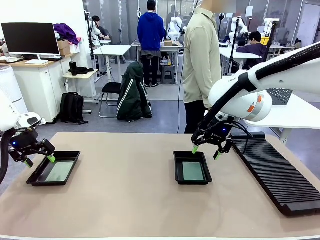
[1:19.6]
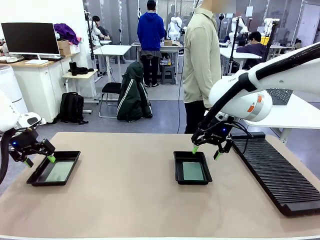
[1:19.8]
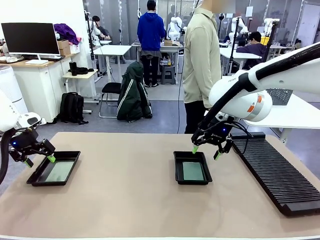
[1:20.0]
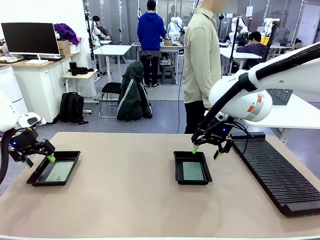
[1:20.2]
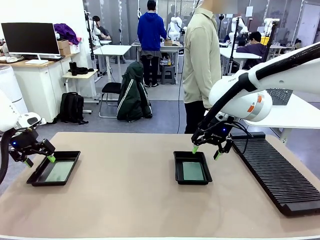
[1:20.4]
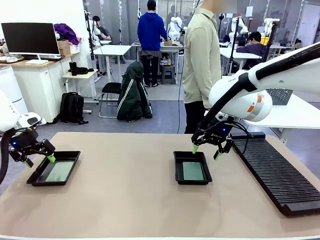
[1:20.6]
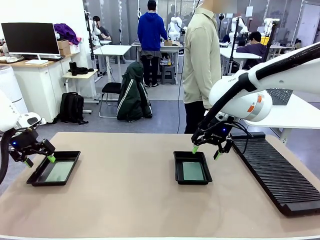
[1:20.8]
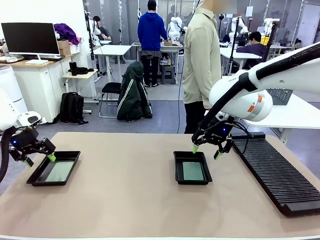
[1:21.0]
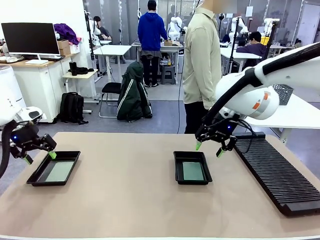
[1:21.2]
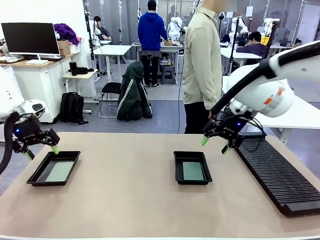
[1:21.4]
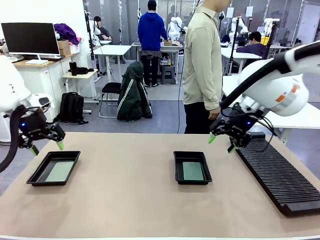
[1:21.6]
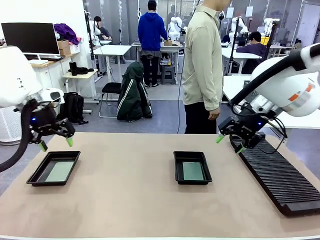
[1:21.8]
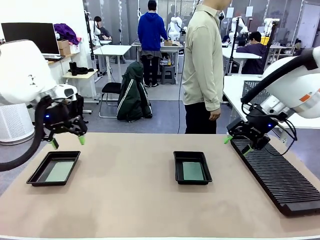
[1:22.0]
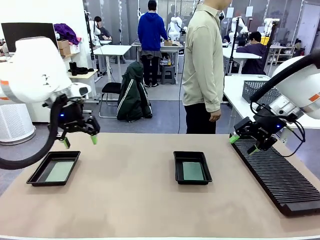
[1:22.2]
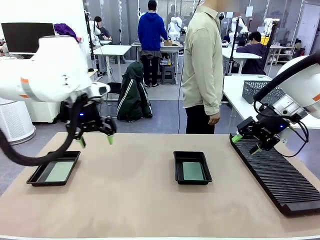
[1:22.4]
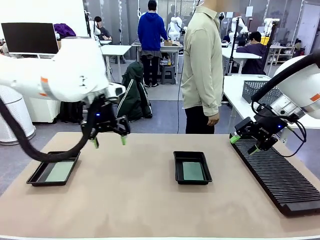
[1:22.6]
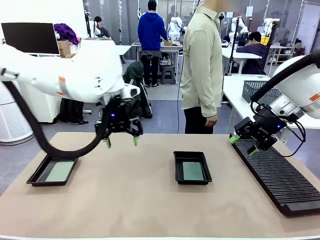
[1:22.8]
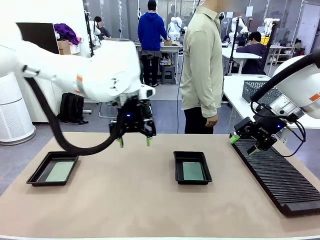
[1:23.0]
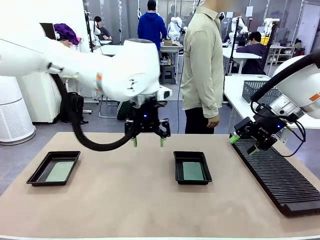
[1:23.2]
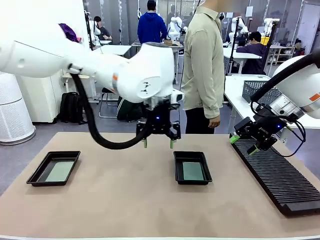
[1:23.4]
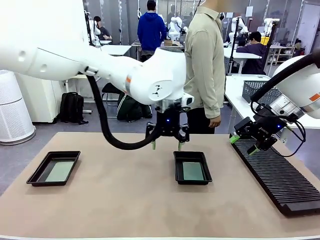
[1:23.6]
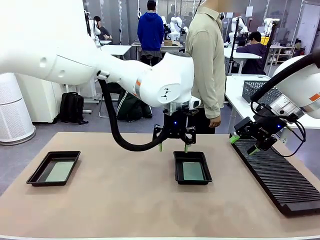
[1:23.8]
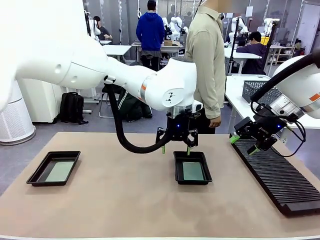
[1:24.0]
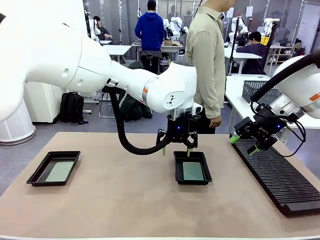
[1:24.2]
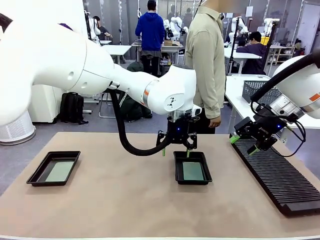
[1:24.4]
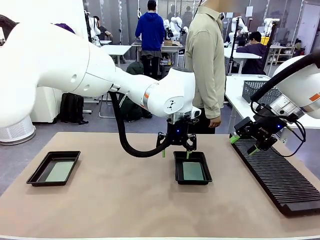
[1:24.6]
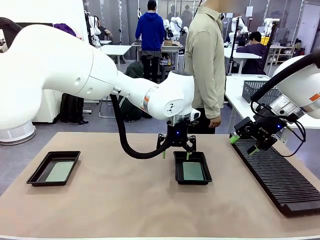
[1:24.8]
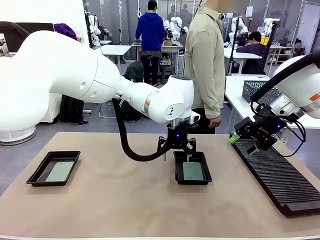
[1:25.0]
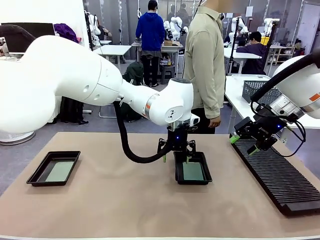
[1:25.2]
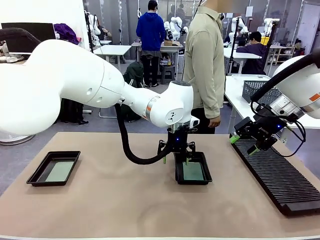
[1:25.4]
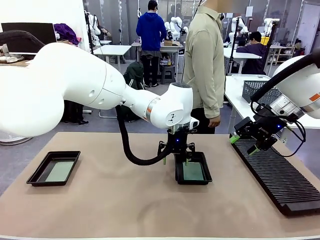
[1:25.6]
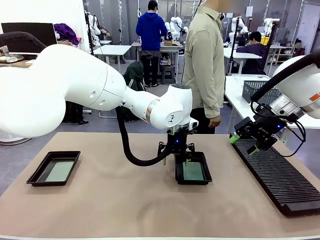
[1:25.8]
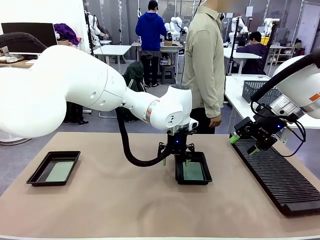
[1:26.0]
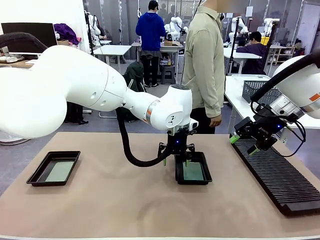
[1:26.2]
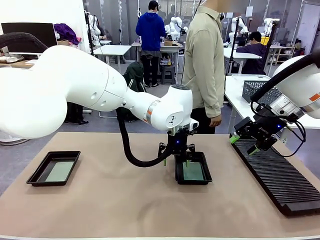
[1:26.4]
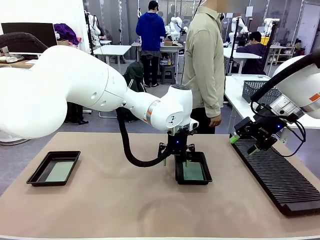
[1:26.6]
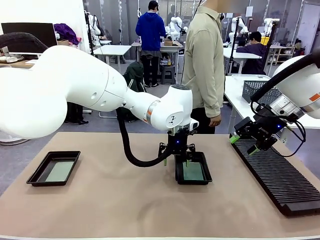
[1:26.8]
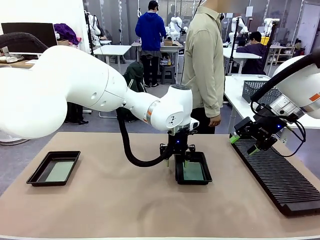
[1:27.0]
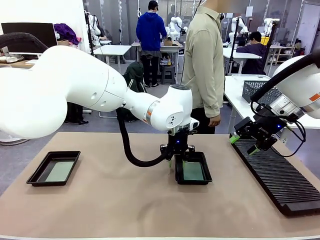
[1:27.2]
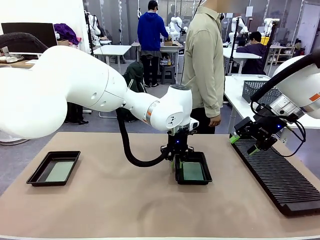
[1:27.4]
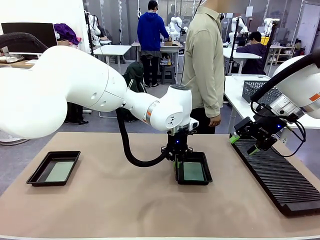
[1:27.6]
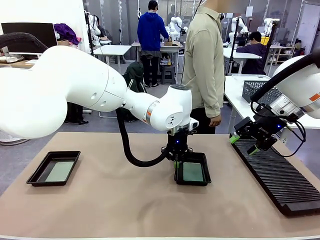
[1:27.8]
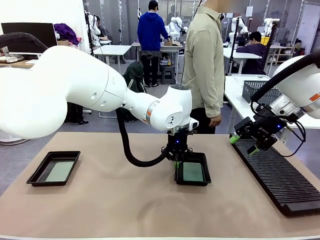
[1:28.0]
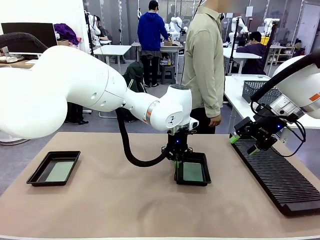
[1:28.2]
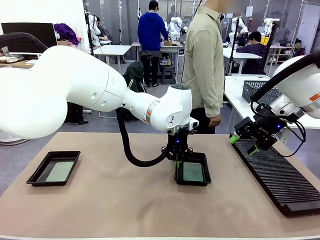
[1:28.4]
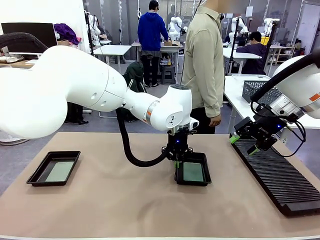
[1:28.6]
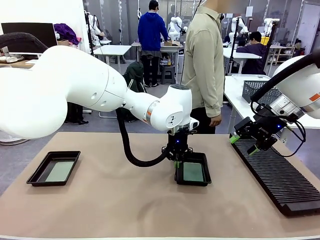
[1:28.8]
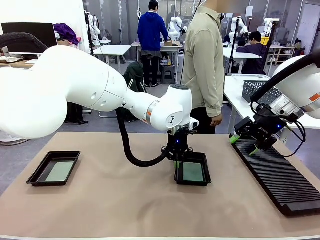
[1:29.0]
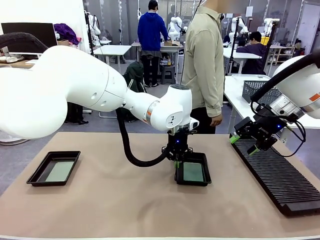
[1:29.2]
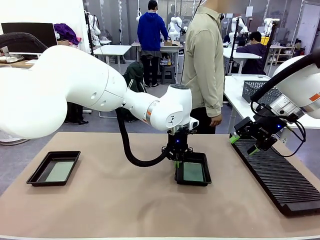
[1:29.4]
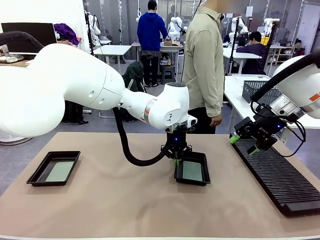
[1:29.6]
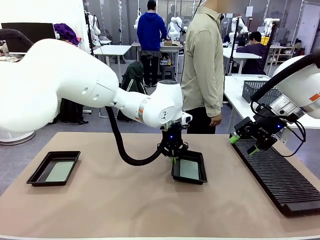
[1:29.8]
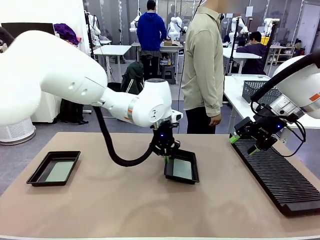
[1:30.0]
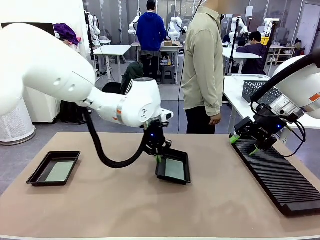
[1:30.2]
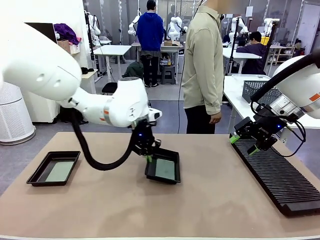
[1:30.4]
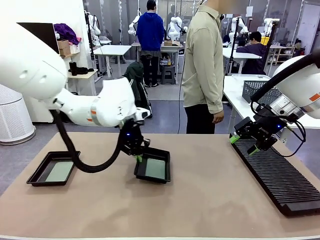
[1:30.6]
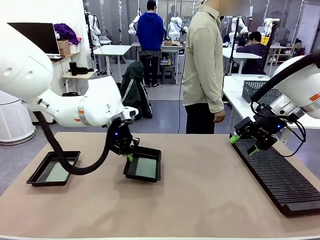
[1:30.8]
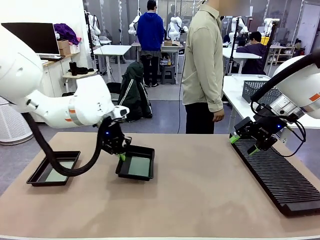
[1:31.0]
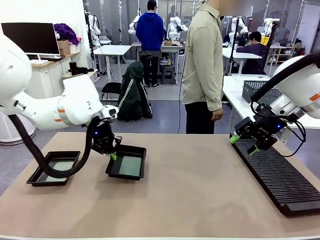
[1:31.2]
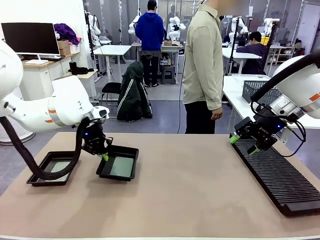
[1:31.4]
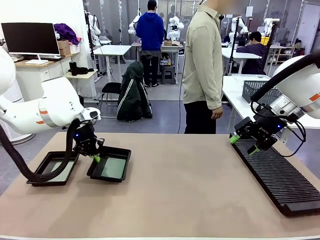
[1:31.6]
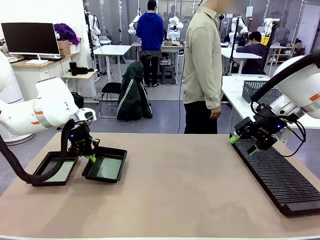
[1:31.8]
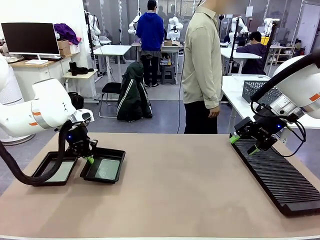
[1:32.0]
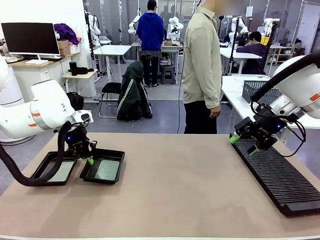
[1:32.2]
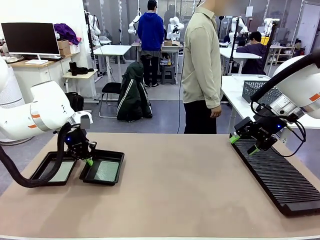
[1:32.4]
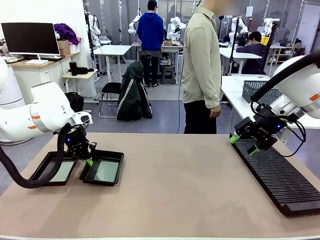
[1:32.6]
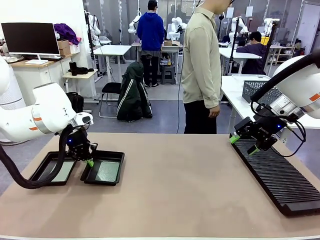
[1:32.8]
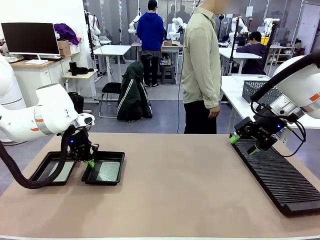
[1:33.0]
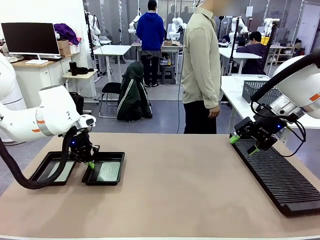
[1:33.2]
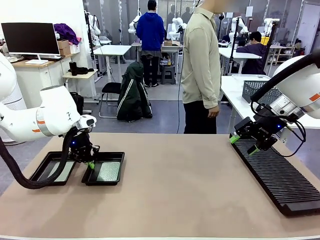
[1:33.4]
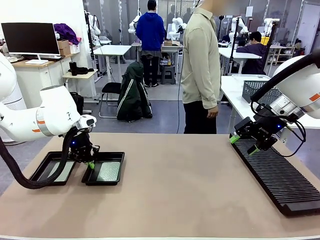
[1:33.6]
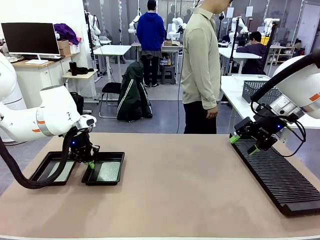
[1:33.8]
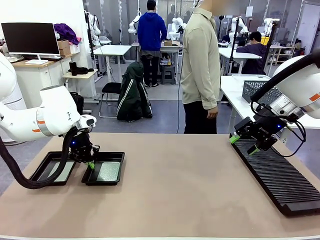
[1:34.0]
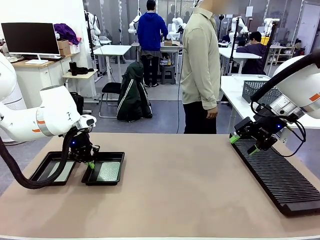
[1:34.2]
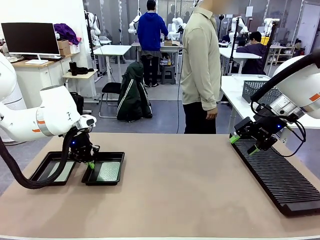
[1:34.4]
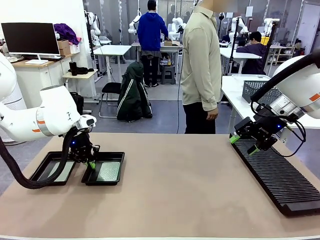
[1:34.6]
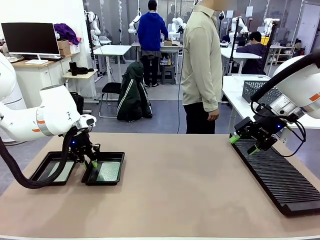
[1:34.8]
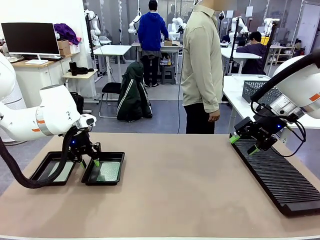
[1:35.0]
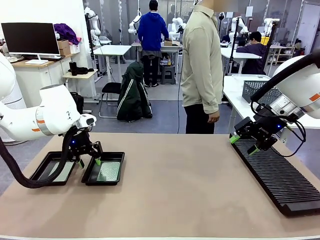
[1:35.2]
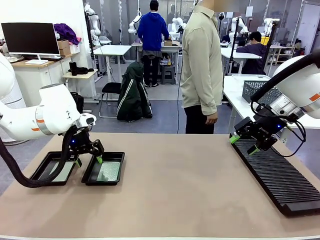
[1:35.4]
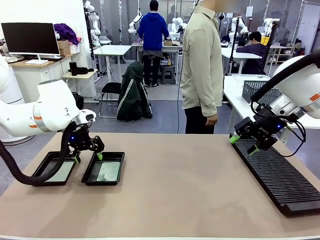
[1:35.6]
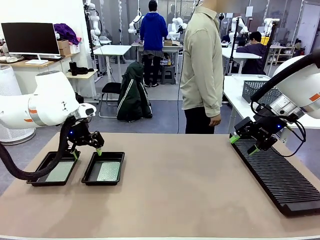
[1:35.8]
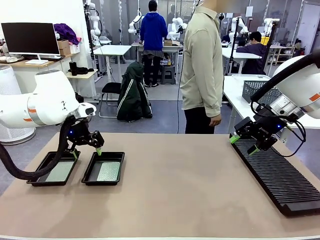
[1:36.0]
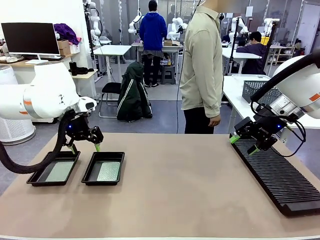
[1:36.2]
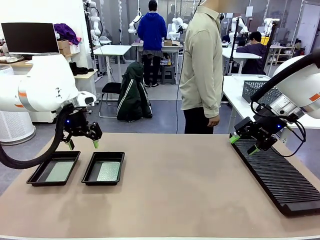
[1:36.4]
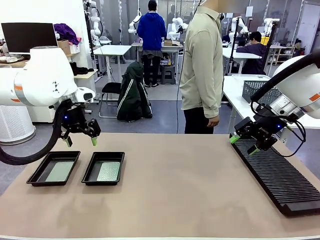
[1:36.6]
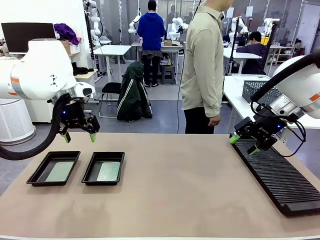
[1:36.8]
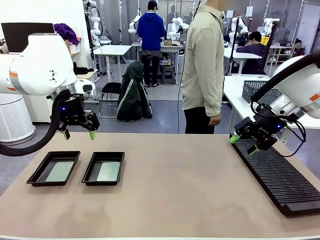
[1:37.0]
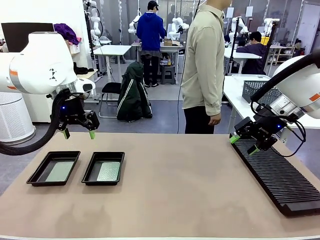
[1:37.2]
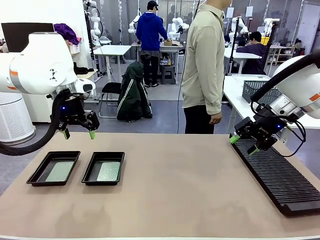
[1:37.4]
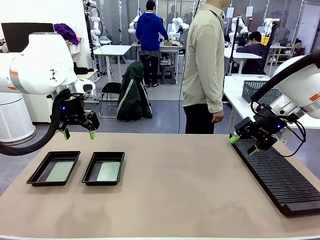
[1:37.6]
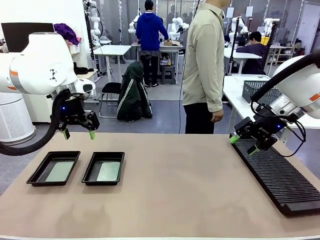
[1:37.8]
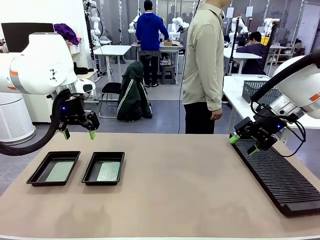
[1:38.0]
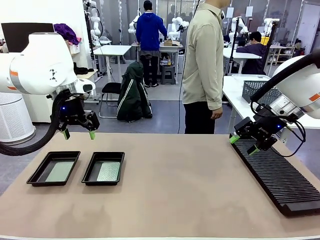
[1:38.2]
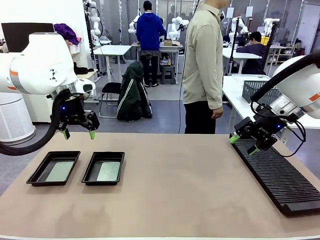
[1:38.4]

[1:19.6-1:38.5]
Task: Inspect and transfer BCBs to ESD trays.
Robot: Pick up the ESD tray and place it on the left side of the table.
